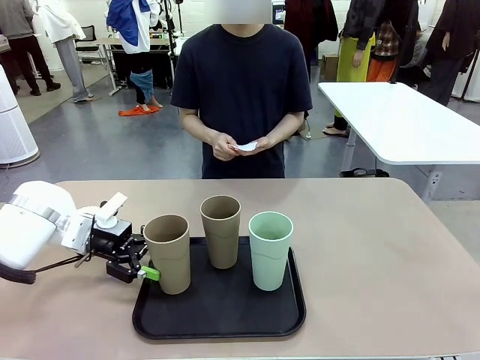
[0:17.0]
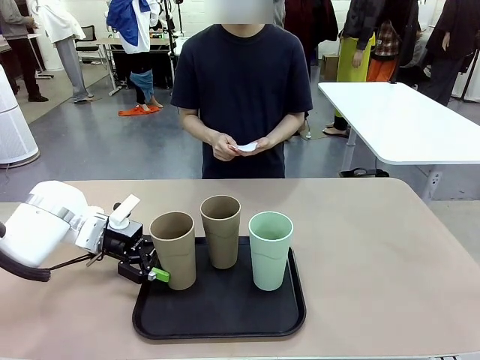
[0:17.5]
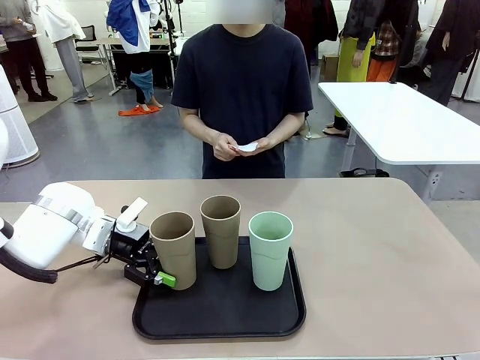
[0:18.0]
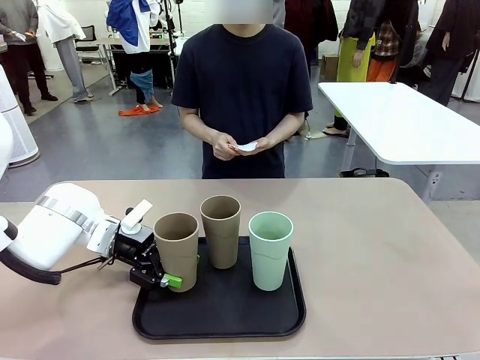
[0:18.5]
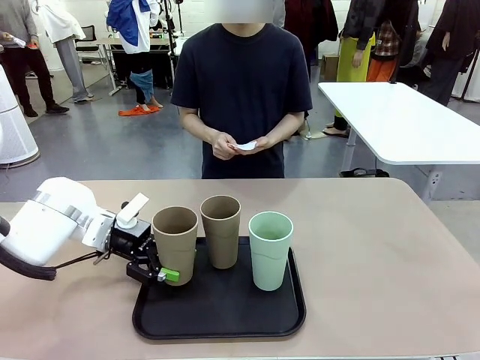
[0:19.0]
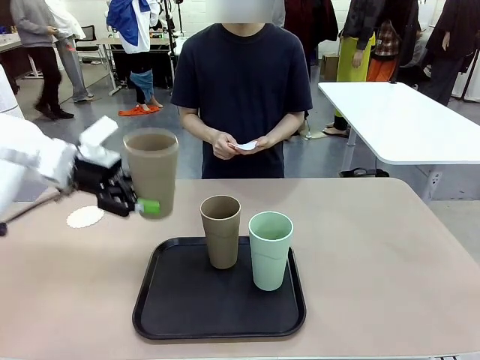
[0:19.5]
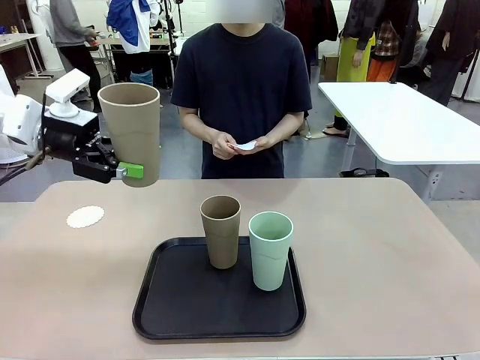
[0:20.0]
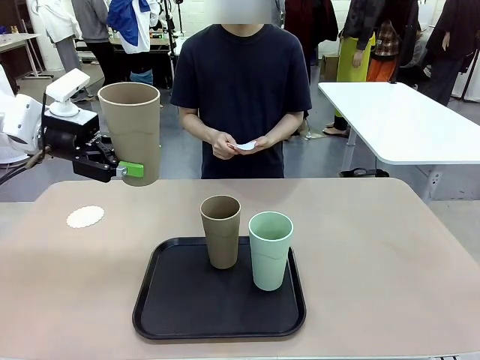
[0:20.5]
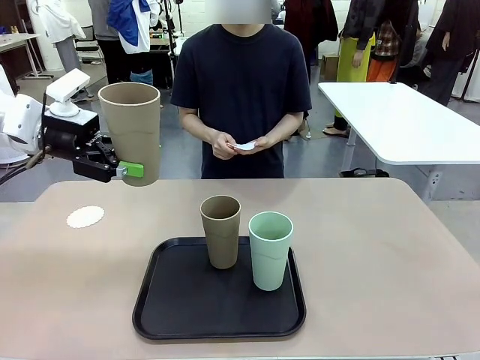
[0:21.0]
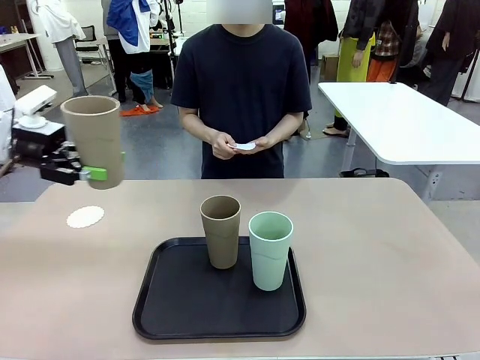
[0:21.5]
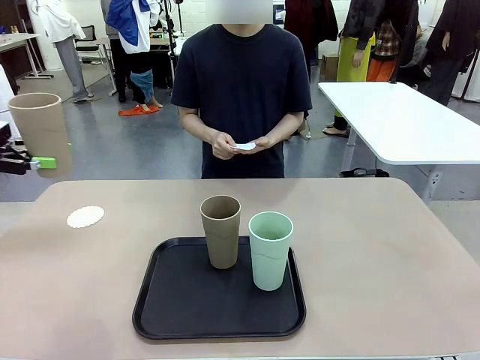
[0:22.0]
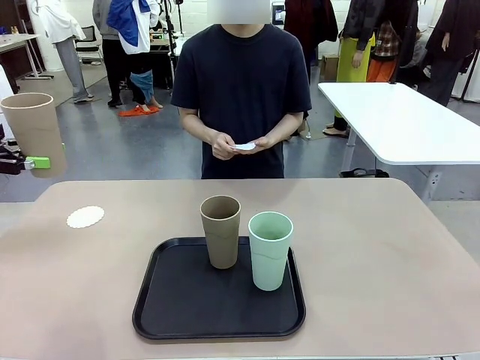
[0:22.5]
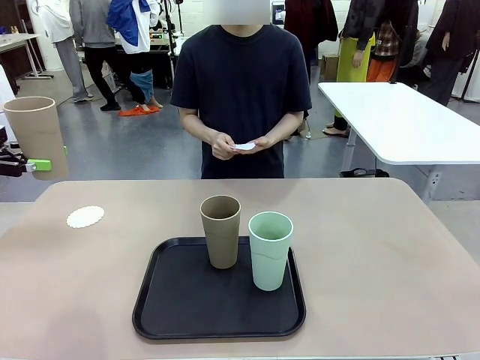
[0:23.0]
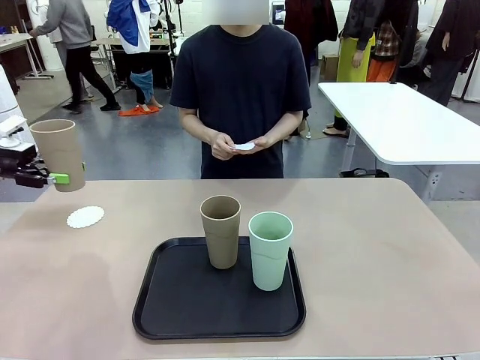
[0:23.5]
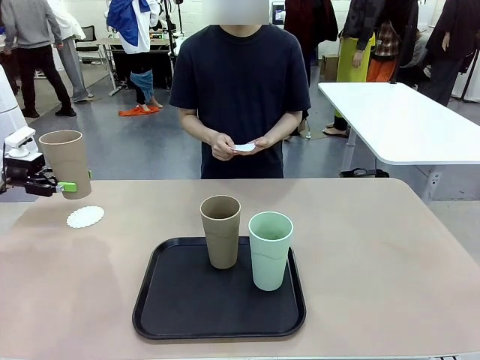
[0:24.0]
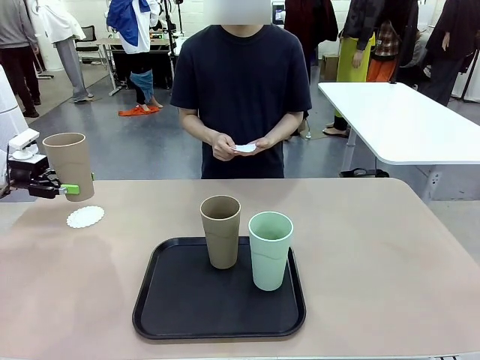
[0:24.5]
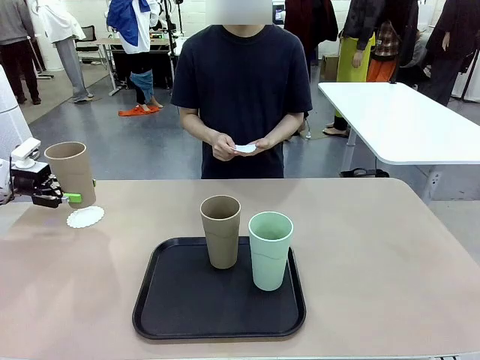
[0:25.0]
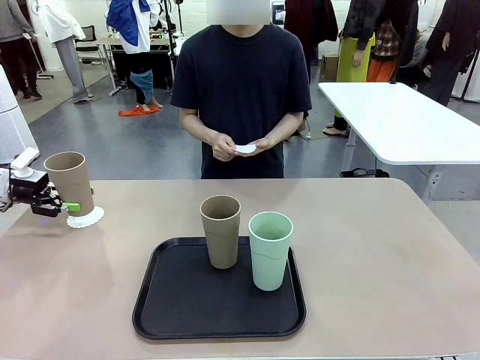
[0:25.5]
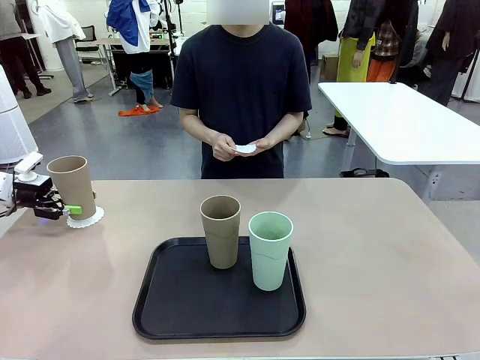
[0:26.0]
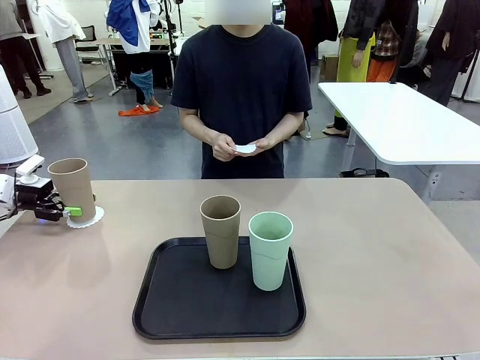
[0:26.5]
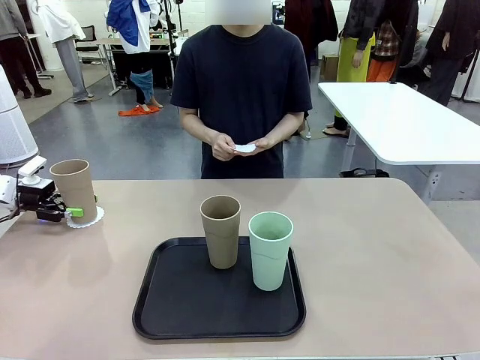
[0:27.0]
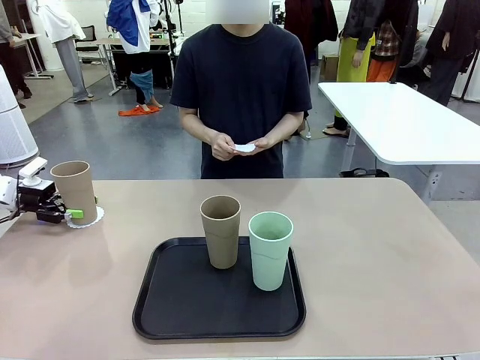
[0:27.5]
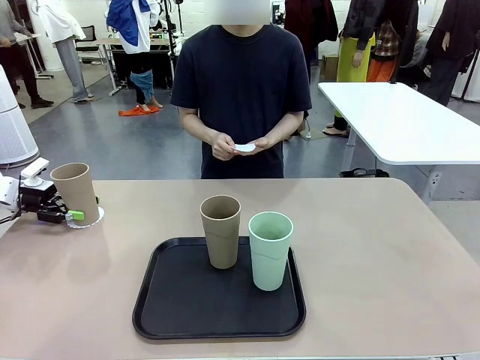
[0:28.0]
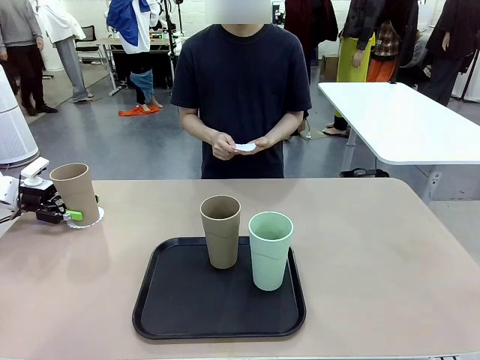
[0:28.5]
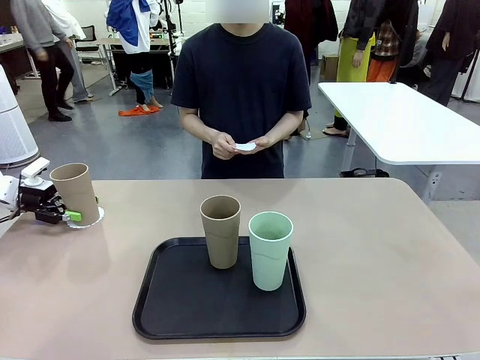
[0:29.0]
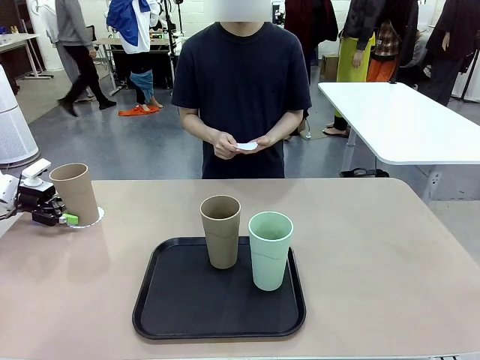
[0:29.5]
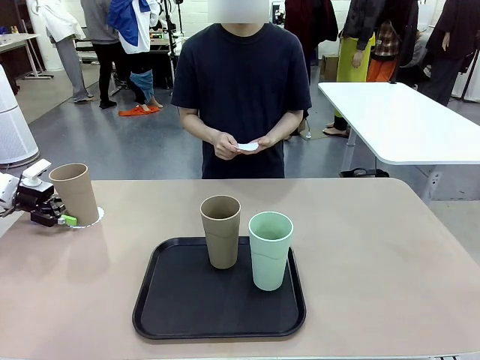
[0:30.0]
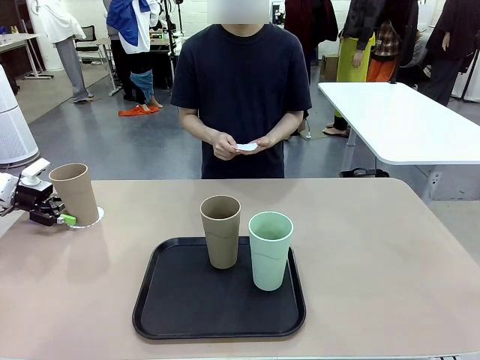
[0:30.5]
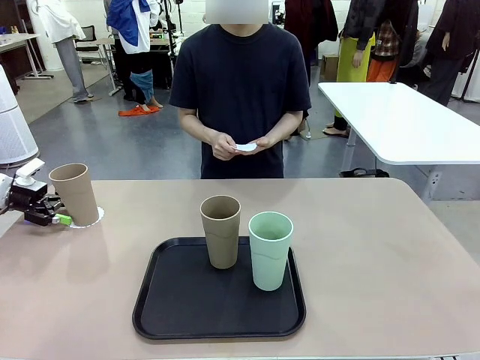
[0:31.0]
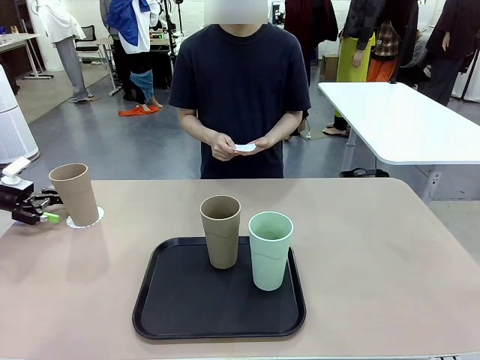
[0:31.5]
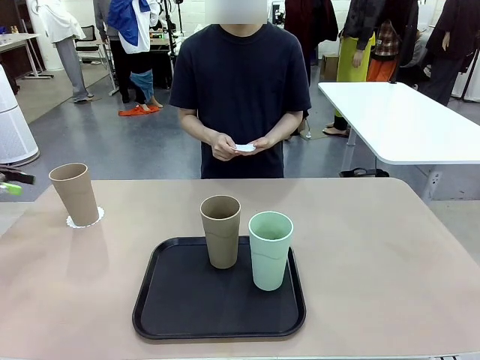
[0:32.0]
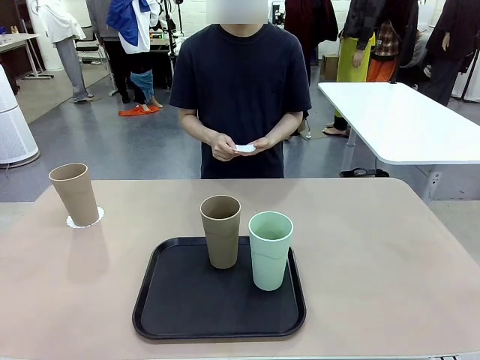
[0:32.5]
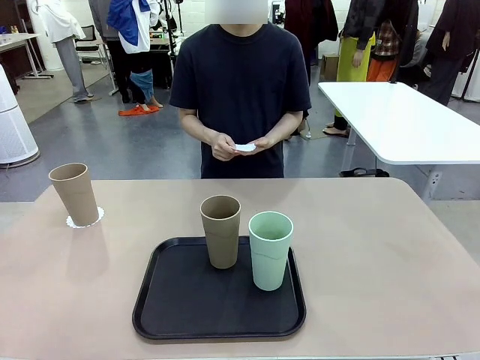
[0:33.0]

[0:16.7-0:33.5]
Task: Place coasters on the table and set cups on them.
Robot: Pick up one Reusable plastic cup and place it on a coaster set by the human.
